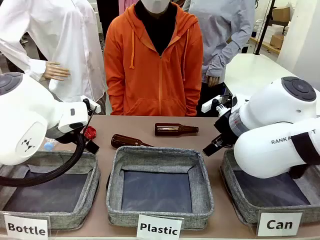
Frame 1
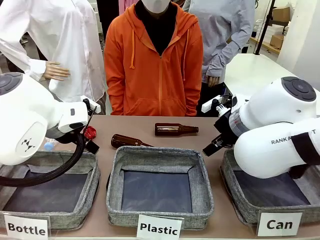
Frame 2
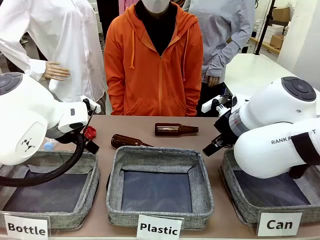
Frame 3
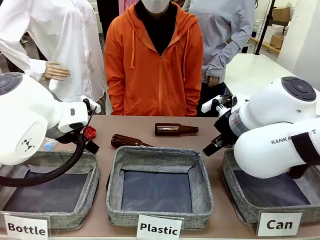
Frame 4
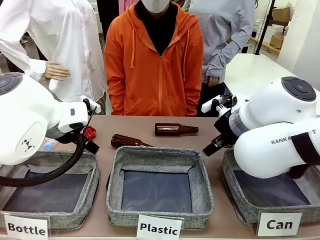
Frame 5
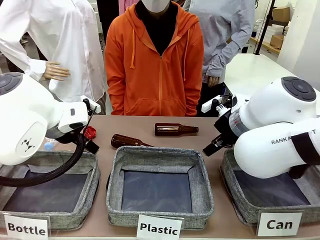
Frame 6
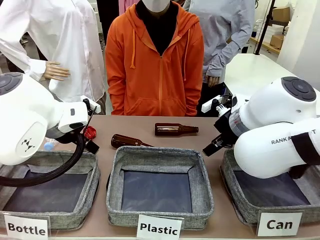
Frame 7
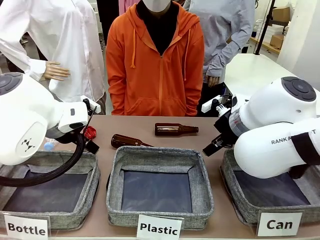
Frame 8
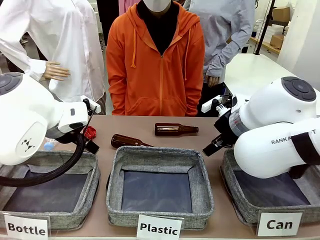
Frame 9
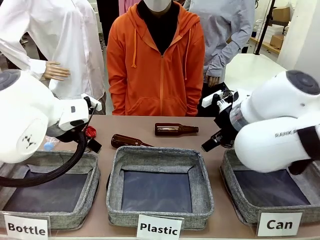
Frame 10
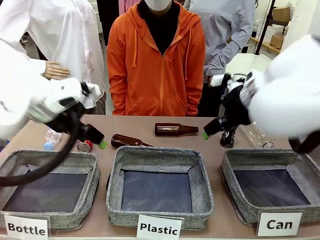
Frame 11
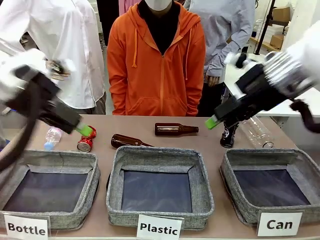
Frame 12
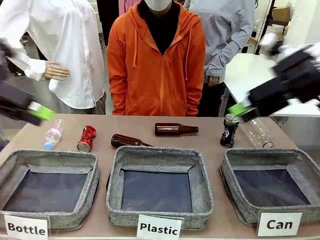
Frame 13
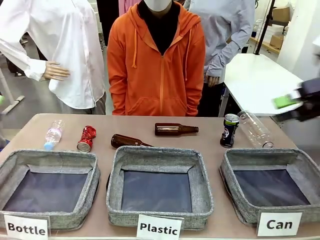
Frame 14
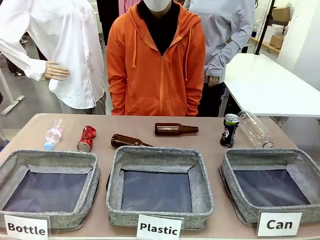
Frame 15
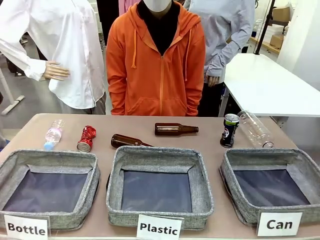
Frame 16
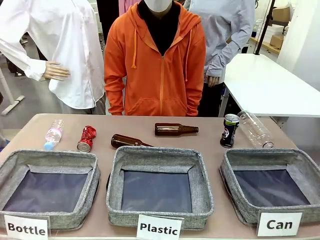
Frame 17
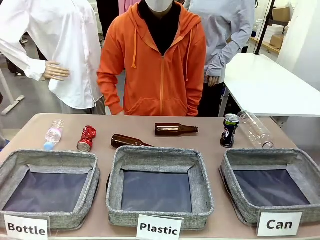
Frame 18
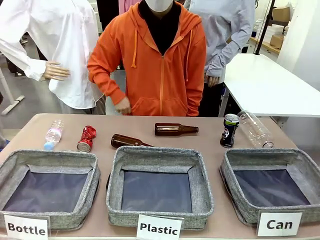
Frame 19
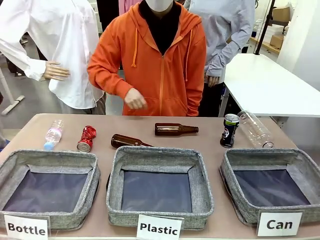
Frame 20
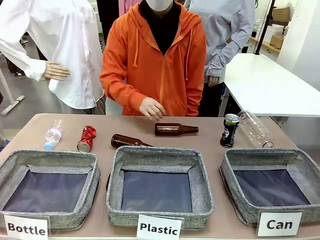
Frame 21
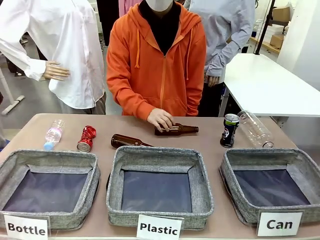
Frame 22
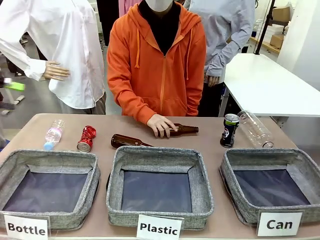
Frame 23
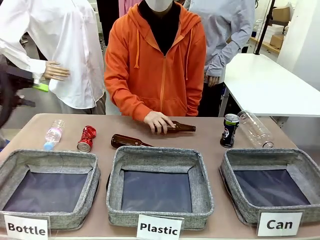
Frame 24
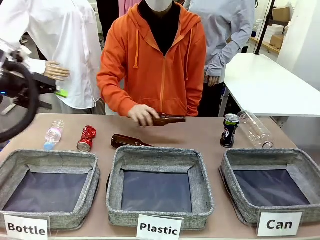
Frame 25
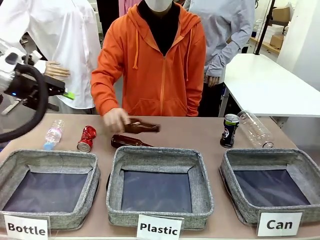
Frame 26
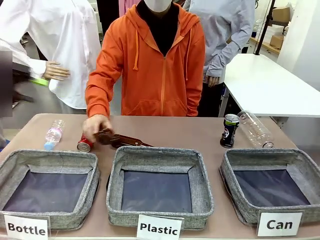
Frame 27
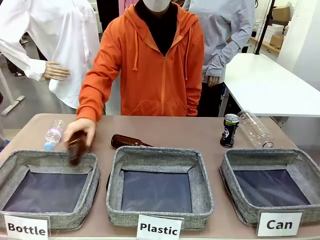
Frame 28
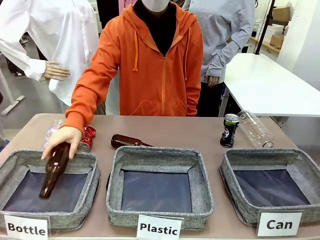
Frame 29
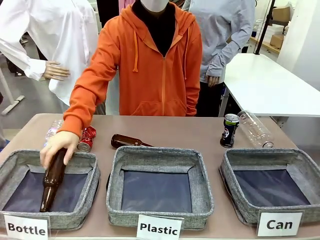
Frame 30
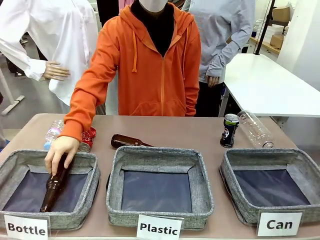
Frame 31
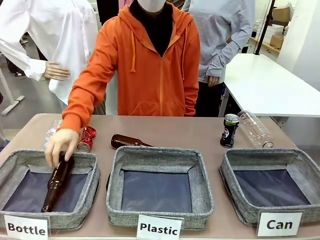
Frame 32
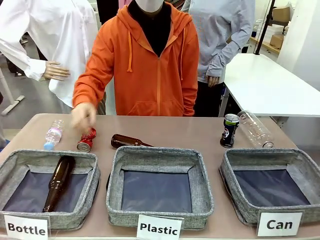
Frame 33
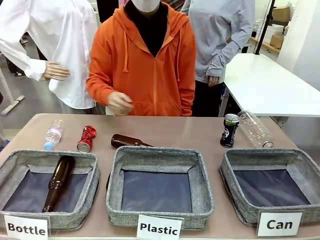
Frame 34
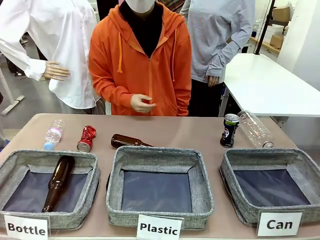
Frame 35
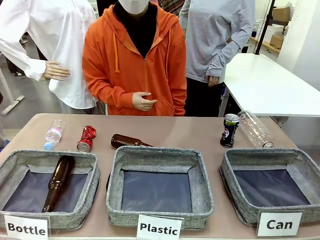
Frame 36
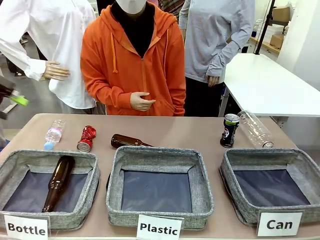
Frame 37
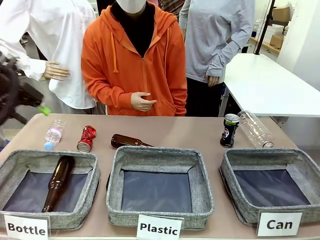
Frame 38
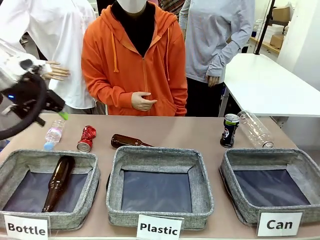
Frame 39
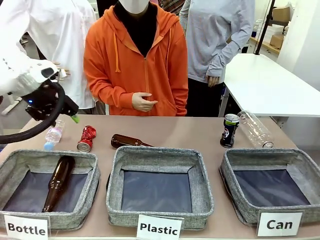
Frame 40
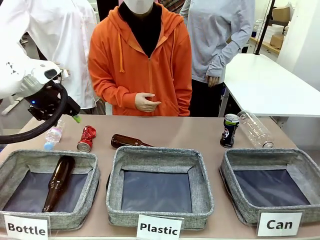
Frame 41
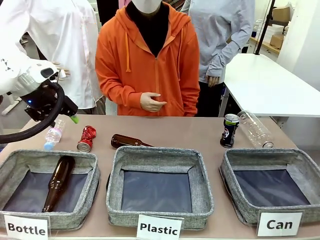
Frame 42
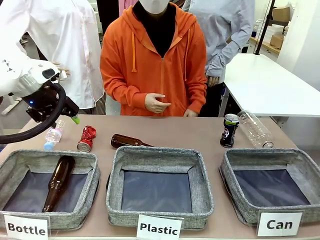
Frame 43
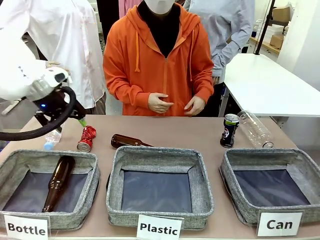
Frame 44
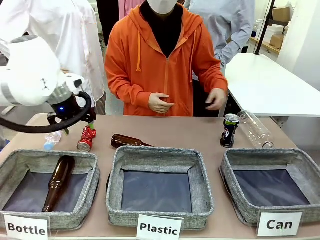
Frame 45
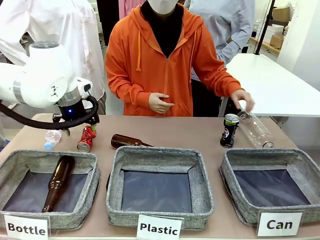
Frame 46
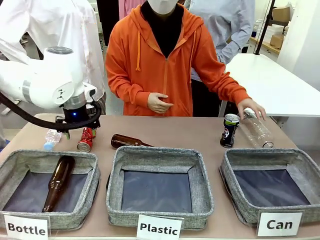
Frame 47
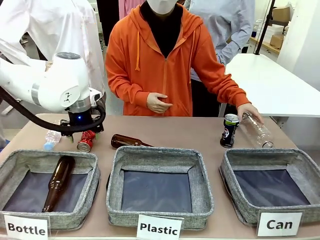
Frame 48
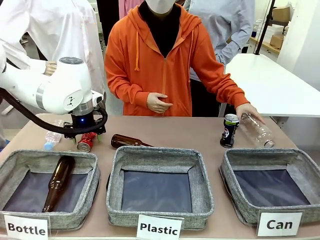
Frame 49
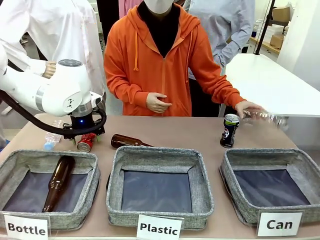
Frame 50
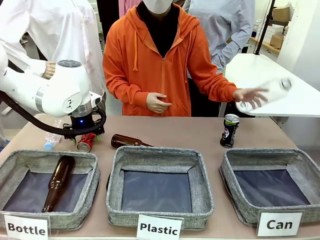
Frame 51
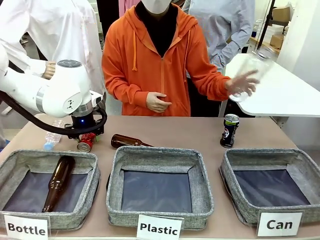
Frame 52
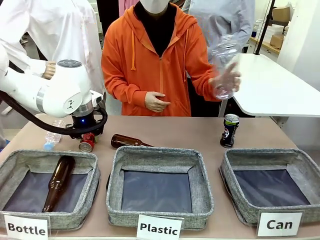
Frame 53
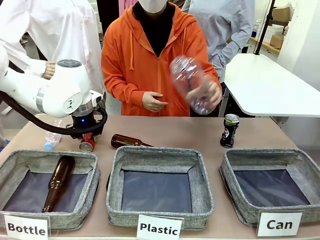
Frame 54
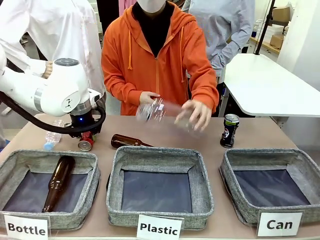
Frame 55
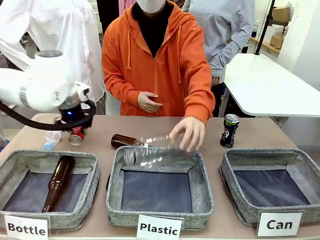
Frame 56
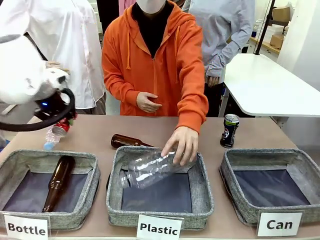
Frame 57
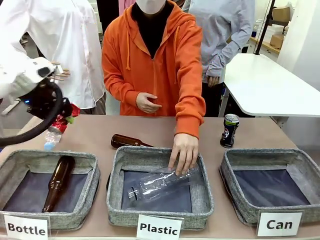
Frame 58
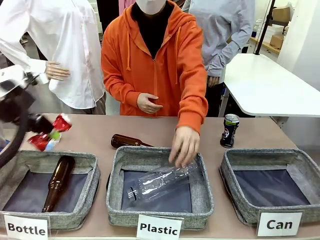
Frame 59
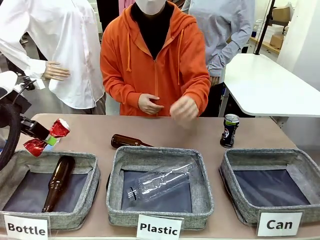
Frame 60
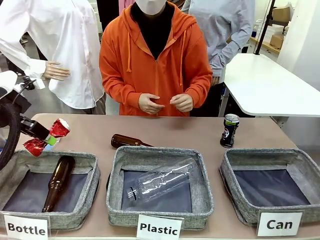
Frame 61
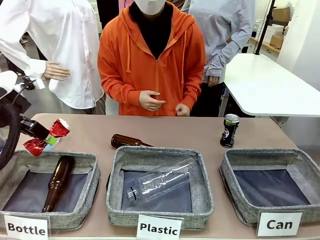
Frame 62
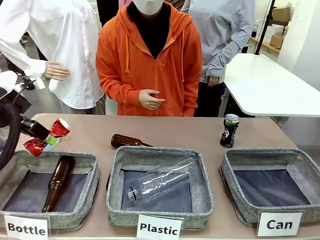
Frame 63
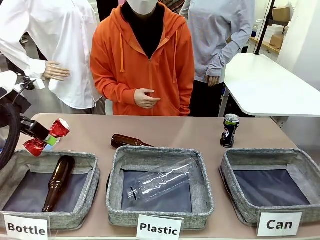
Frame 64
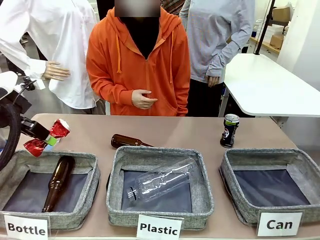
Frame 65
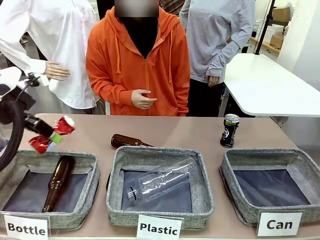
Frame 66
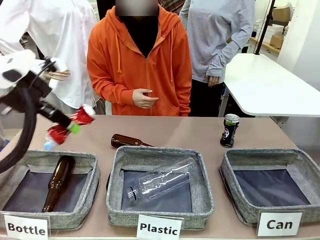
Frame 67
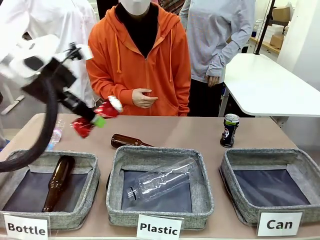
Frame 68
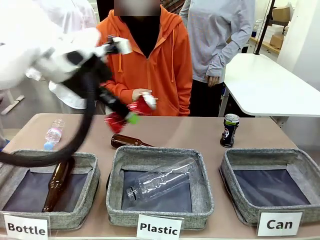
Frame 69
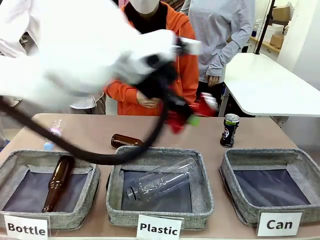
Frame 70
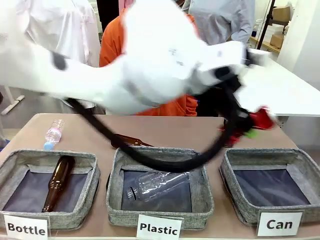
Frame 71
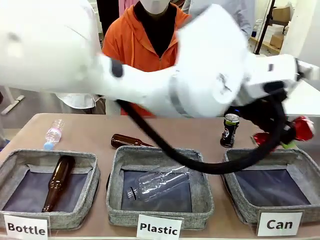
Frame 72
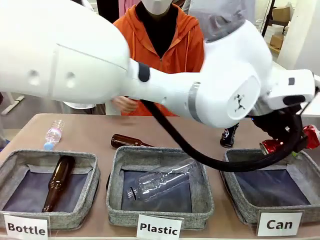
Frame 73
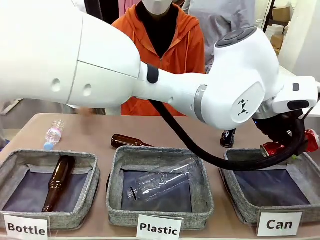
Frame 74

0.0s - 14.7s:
Task: Sort the can waste into the basket.
Robot: Pick up the can waste from the table and place it in the right Fabric basket.
